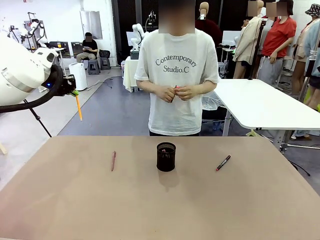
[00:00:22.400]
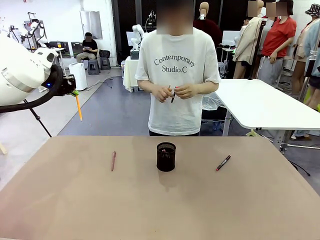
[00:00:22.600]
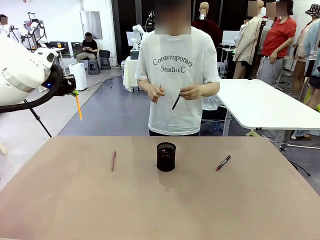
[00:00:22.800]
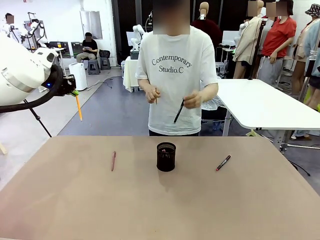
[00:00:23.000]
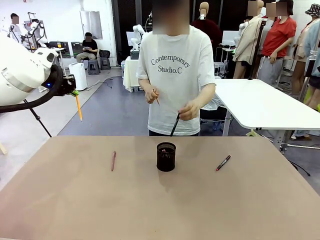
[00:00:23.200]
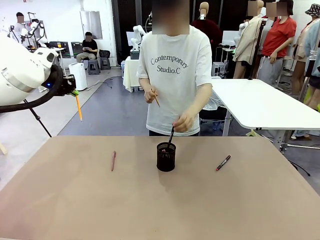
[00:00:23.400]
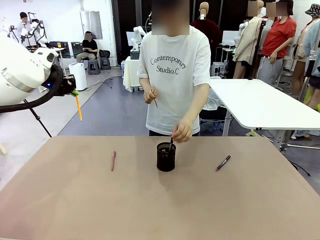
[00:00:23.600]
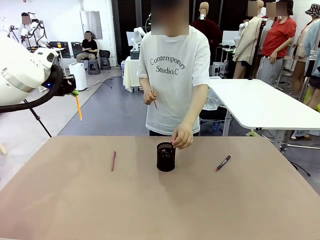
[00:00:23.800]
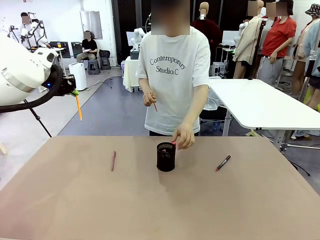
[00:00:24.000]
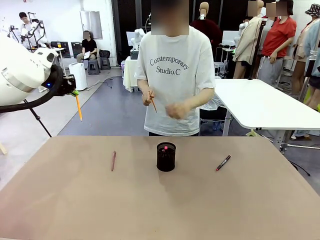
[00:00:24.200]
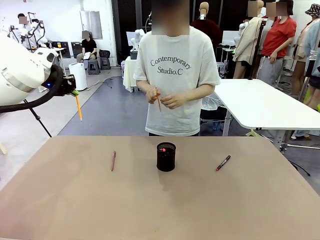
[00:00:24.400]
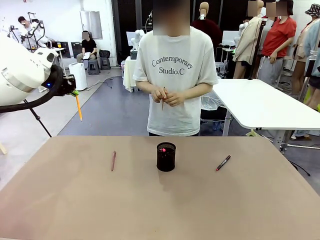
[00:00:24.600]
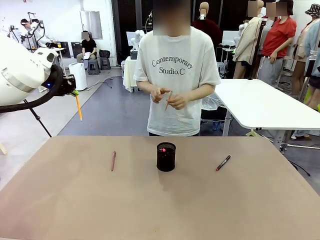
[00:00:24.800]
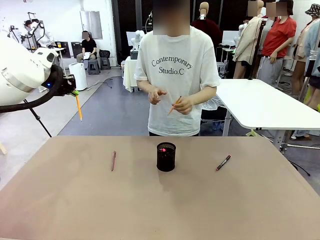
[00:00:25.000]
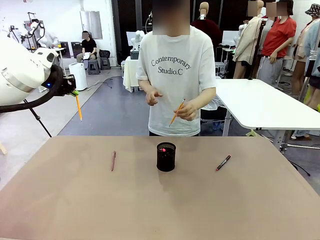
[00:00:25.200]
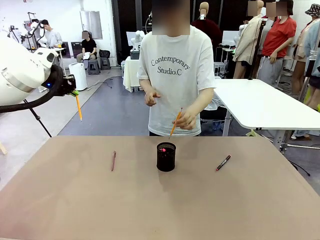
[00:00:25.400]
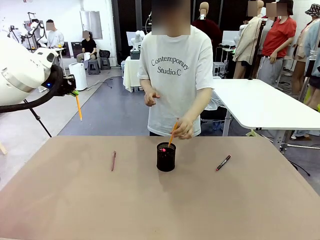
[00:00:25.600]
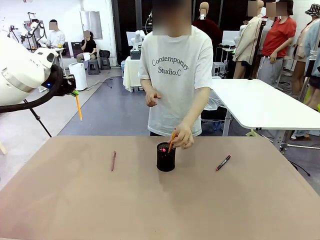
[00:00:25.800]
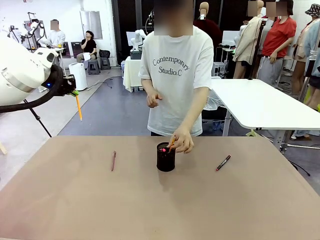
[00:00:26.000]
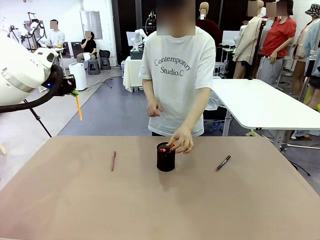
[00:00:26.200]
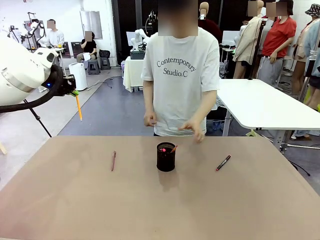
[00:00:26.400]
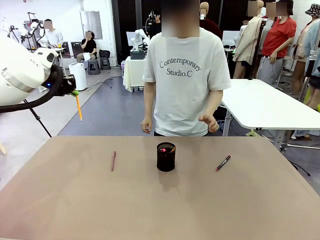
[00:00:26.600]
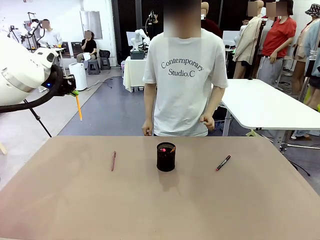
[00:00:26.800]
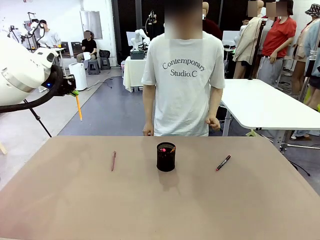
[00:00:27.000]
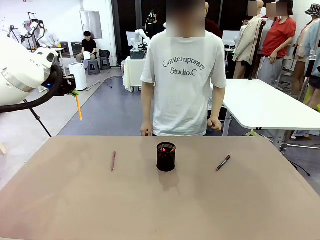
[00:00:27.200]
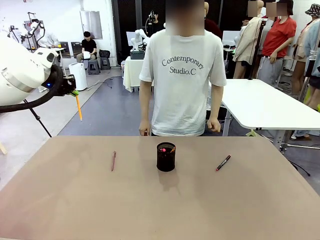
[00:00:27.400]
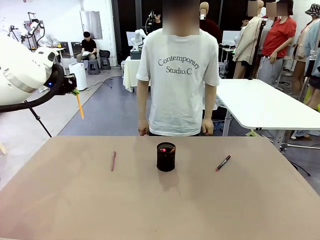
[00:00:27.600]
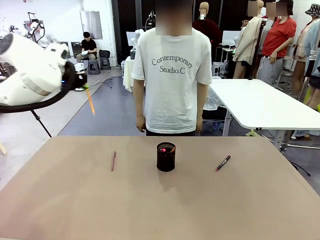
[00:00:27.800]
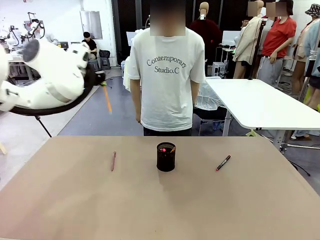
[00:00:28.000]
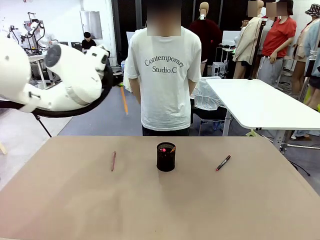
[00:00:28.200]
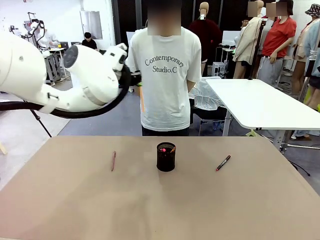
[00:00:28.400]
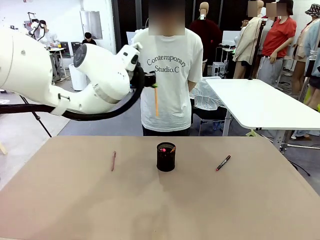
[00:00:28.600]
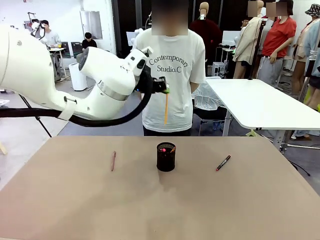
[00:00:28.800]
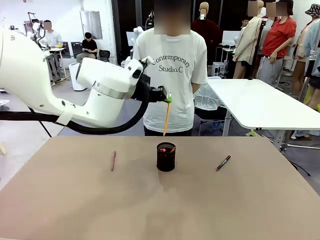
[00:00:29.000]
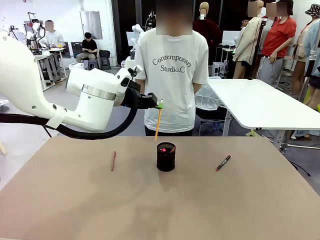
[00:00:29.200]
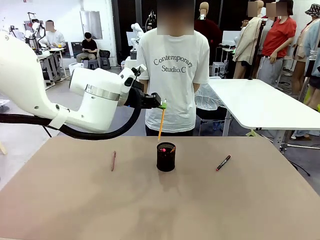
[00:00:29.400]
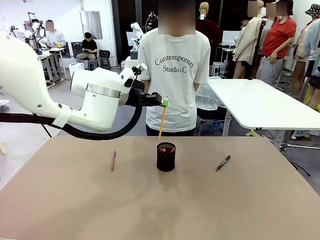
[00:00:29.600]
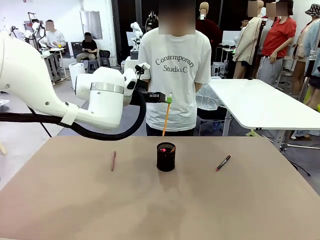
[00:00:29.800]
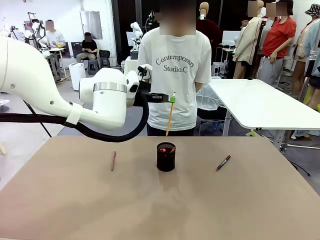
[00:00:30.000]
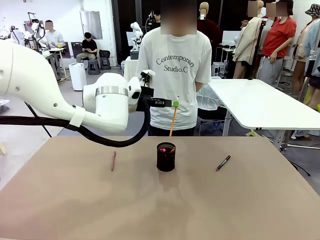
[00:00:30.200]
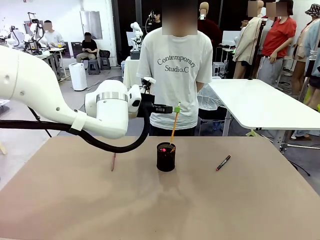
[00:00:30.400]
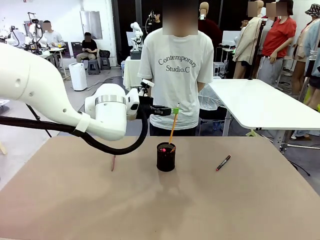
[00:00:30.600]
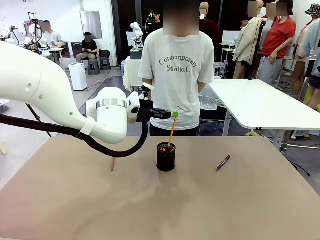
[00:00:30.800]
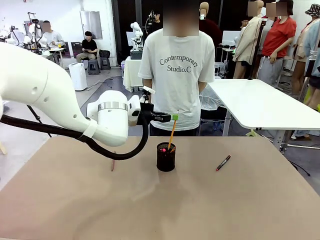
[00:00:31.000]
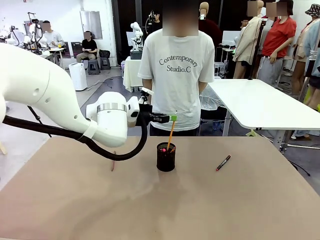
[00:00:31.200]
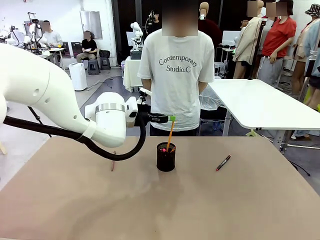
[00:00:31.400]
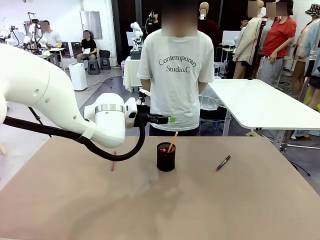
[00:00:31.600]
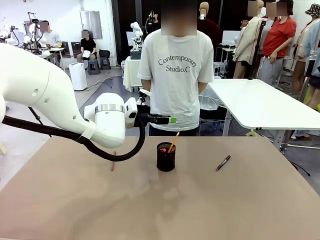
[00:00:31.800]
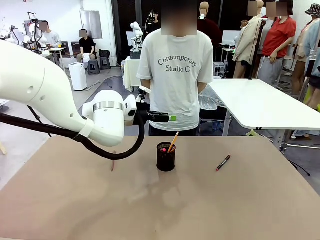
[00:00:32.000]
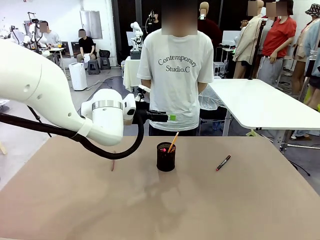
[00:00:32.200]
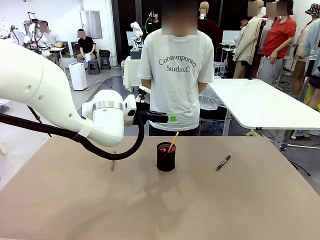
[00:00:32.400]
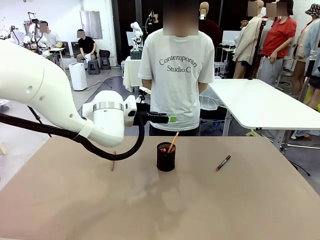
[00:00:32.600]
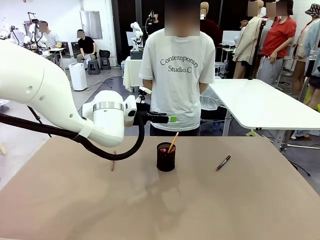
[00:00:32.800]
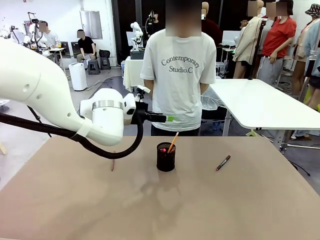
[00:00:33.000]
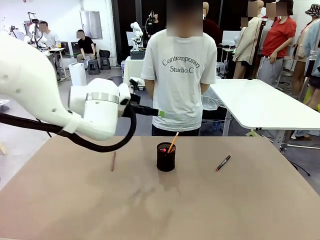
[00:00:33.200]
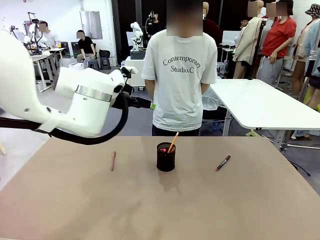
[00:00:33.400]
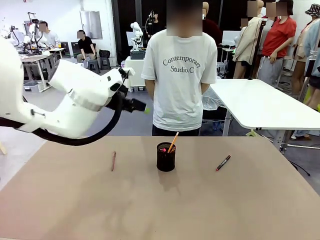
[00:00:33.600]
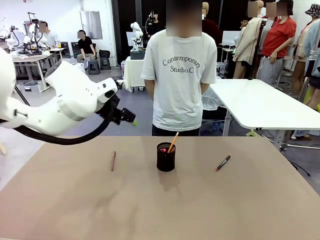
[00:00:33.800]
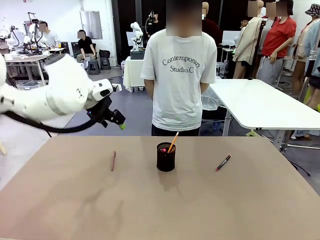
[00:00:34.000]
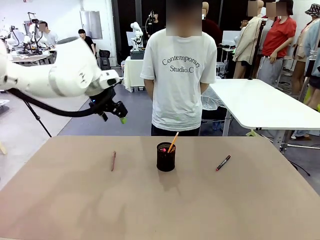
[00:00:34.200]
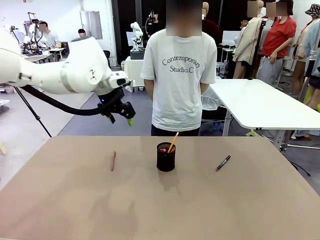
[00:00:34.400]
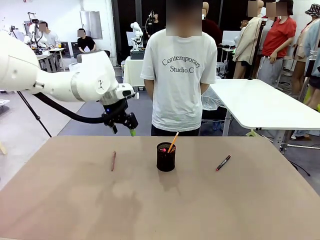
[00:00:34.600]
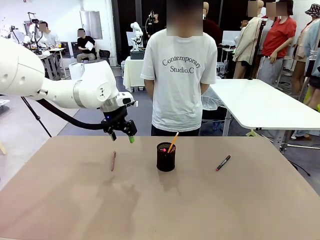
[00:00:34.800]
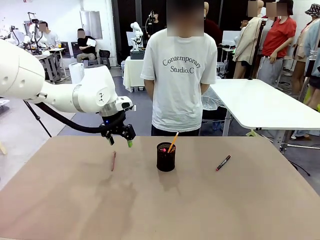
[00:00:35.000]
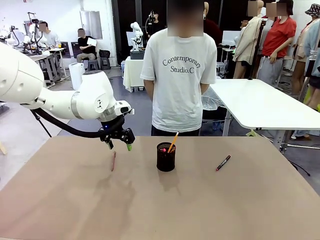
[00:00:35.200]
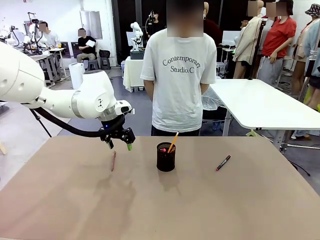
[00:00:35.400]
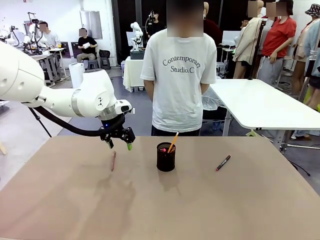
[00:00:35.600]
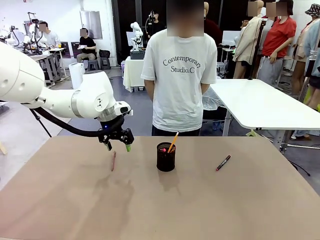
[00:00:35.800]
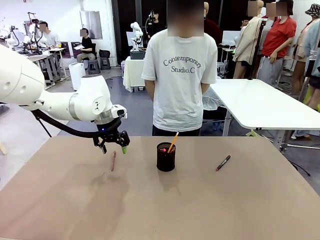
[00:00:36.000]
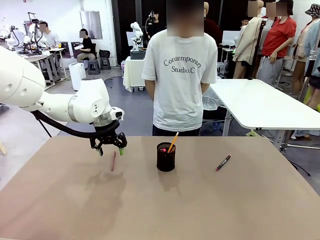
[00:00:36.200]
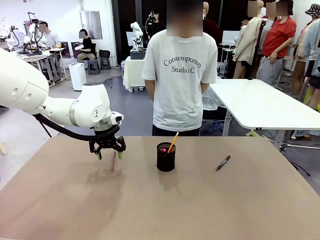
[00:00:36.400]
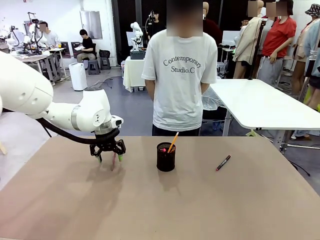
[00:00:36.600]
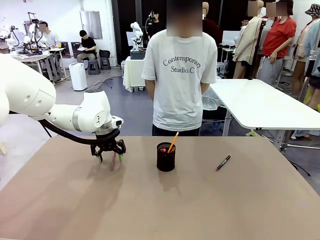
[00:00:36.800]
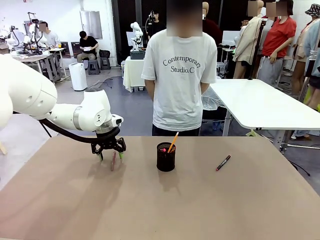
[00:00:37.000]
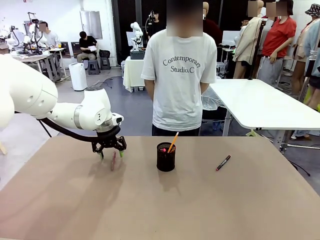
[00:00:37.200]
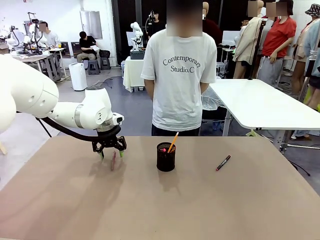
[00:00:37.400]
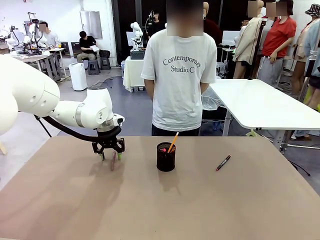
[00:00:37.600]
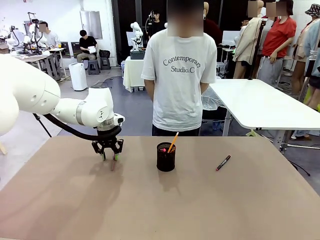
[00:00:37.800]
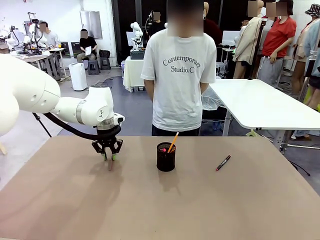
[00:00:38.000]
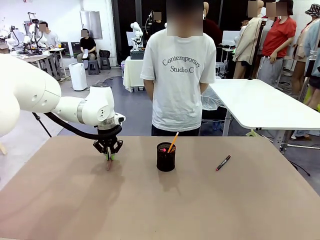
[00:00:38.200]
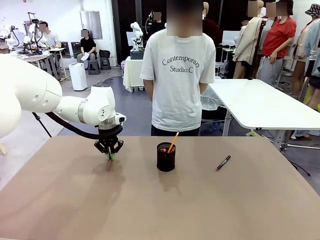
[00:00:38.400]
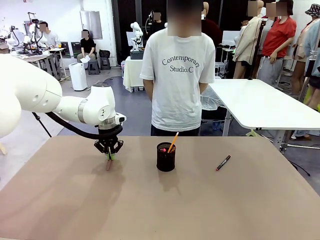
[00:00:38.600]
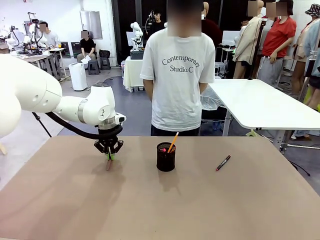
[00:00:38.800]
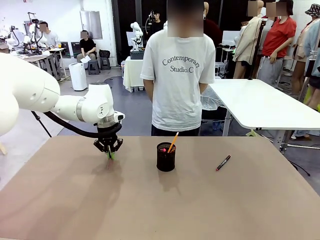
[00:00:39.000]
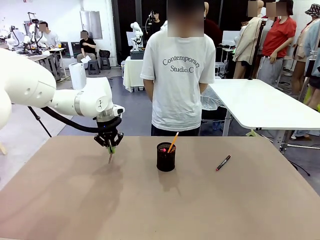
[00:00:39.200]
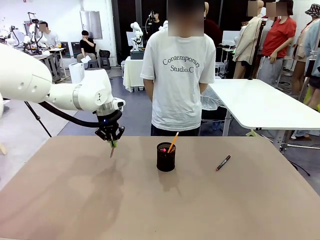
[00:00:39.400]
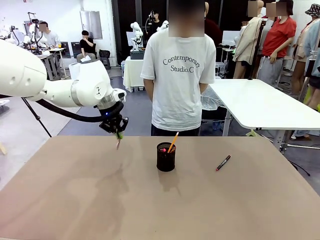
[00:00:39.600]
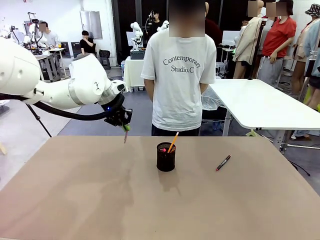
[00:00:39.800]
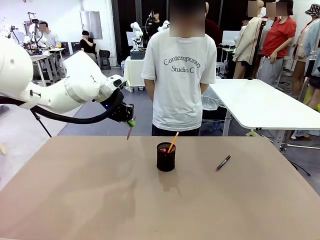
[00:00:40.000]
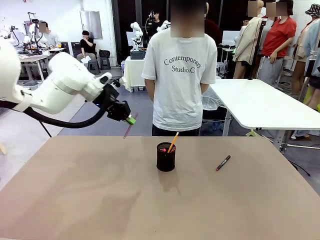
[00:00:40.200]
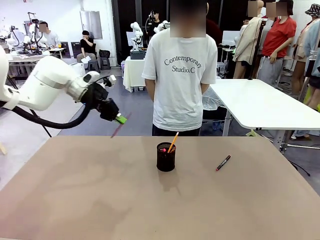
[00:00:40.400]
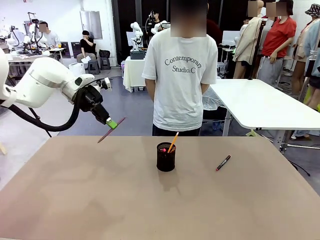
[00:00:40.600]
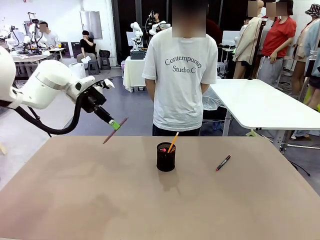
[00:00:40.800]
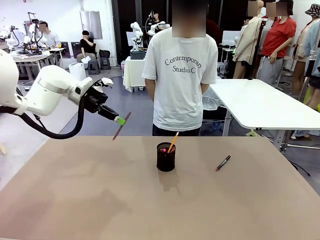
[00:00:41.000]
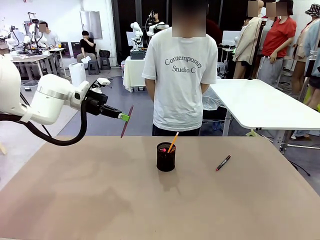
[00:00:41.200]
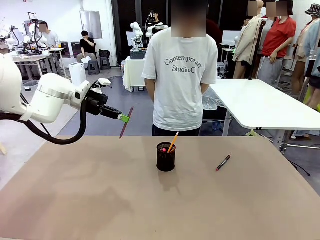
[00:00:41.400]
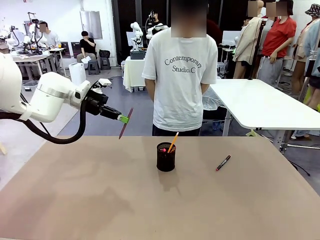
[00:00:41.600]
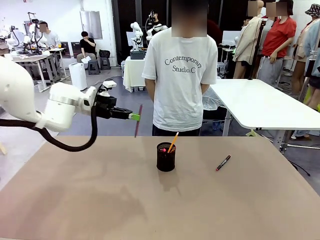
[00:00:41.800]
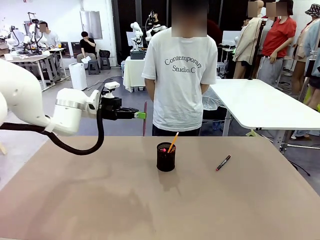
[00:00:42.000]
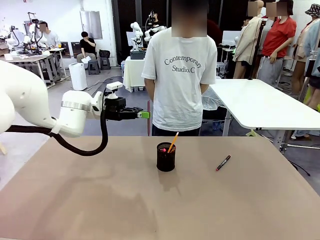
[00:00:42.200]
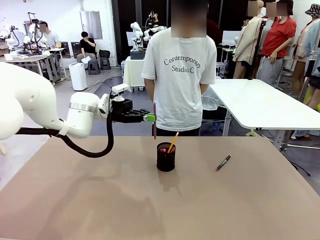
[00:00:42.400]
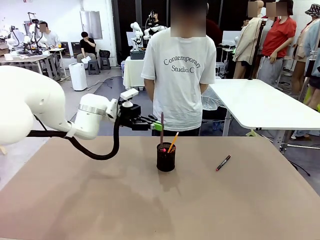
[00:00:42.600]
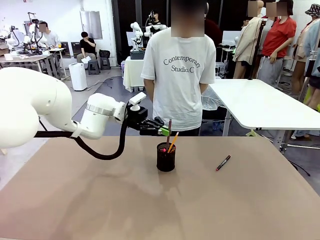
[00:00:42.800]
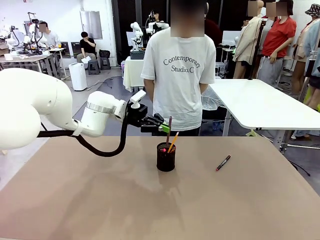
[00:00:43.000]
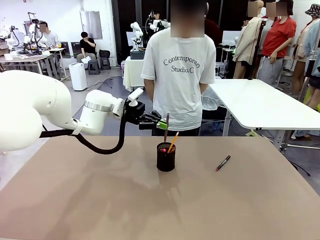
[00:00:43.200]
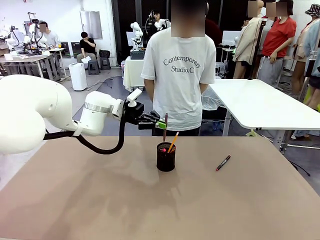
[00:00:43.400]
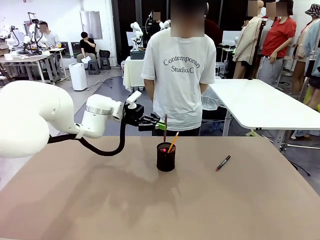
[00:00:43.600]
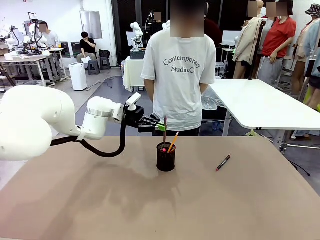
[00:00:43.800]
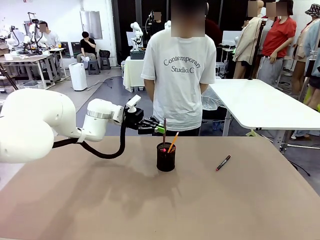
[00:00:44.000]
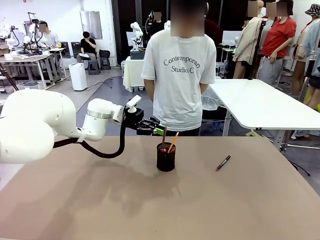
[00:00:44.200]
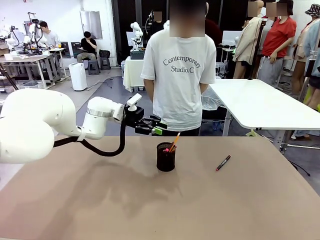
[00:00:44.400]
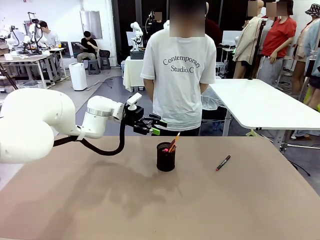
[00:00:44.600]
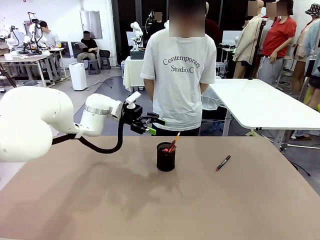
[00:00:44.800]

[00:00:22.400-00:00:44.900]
Task: Place the pens into the pen holder.
Robot: Pick up a writing instrument from the table and place it into the Pen holder.
